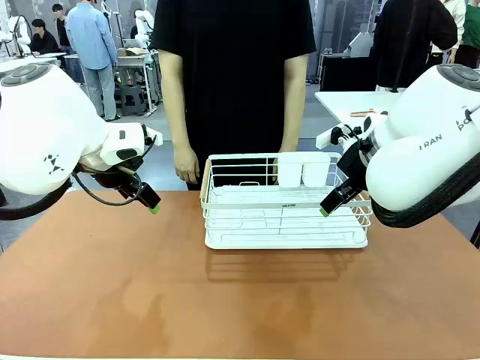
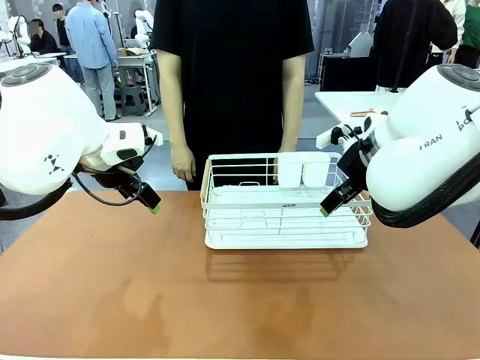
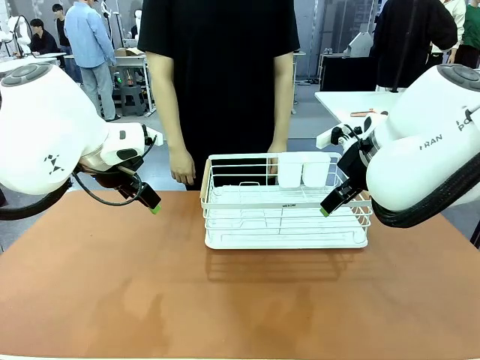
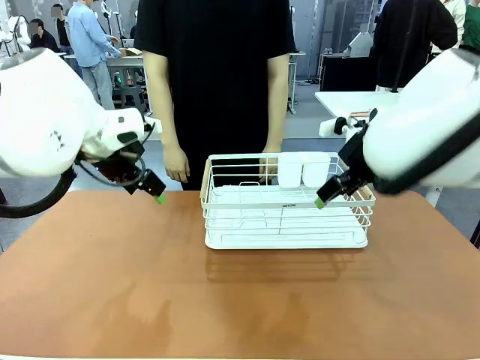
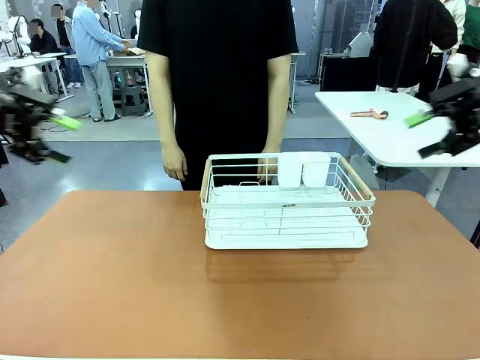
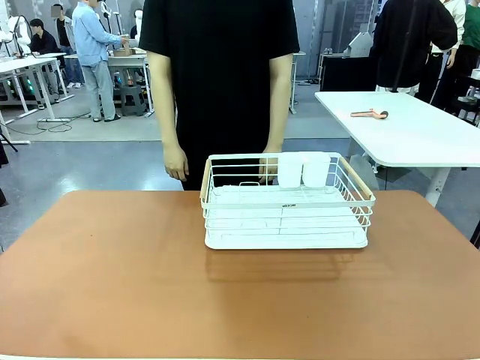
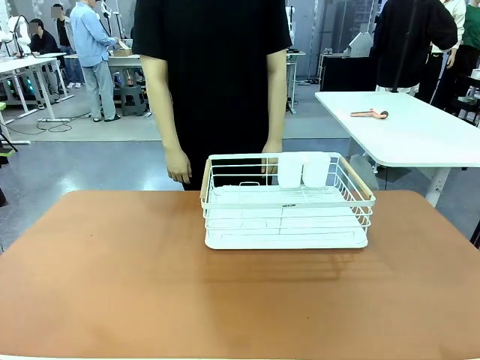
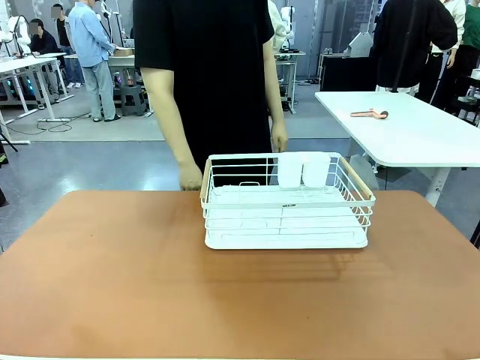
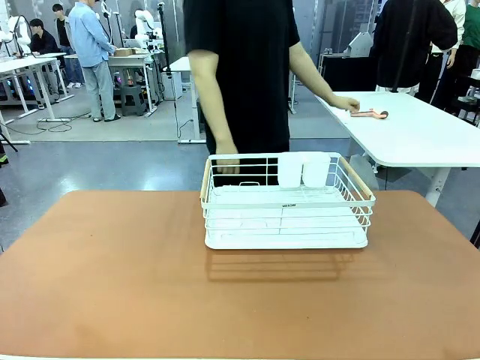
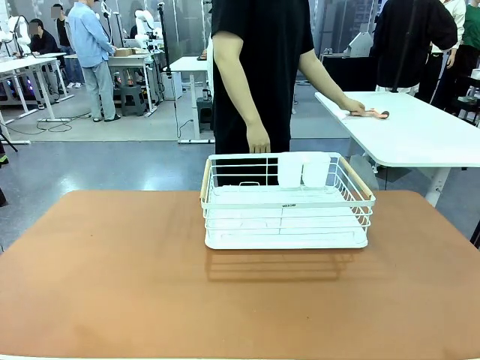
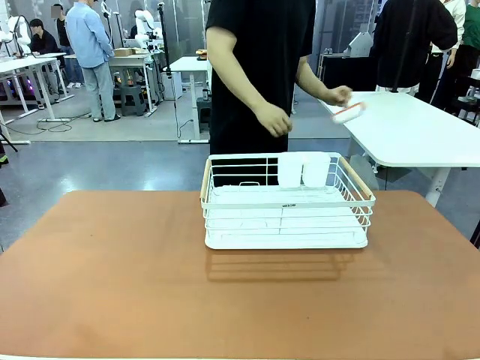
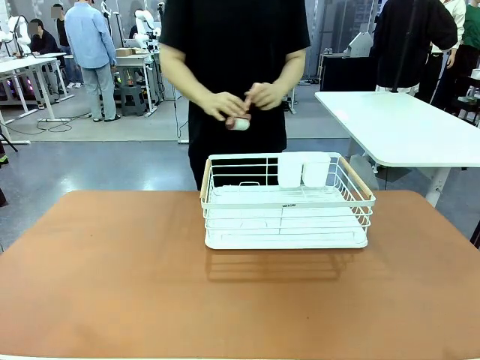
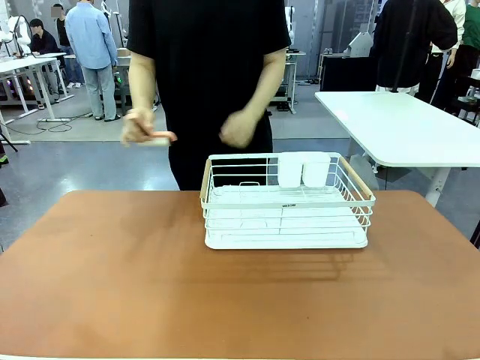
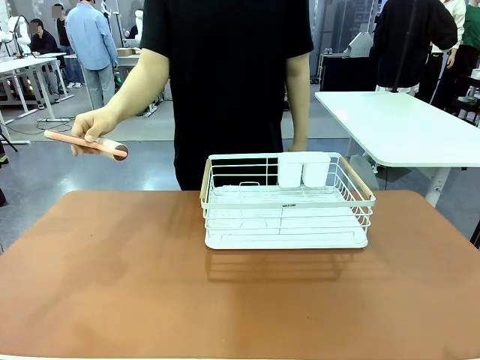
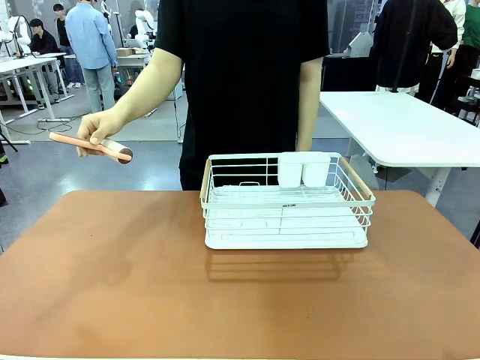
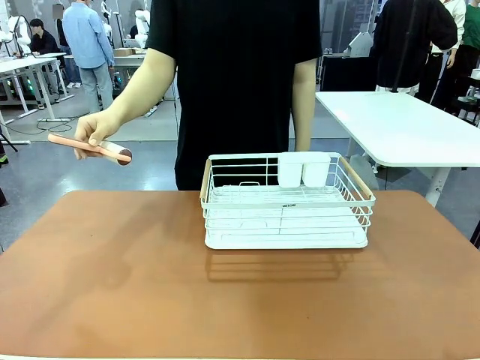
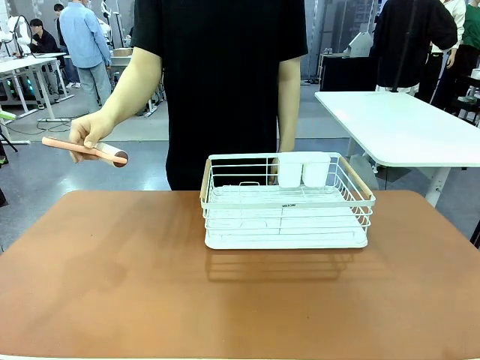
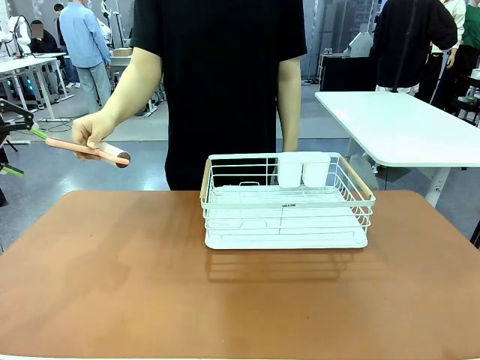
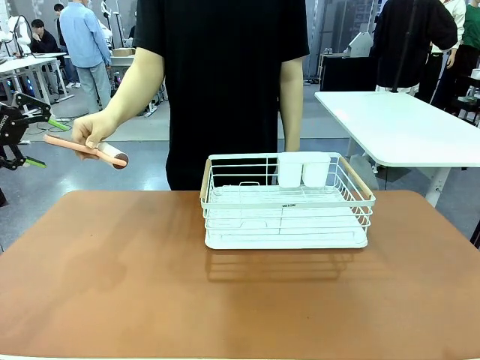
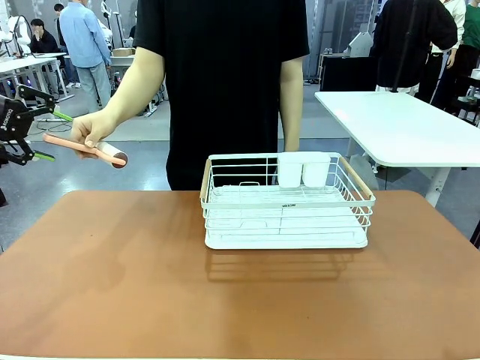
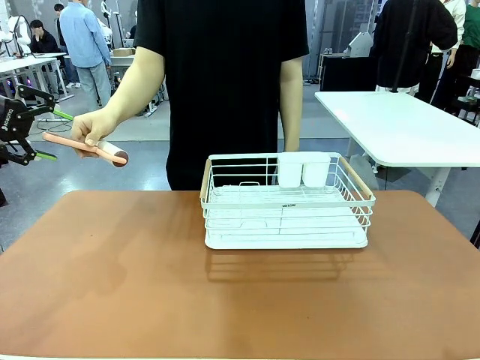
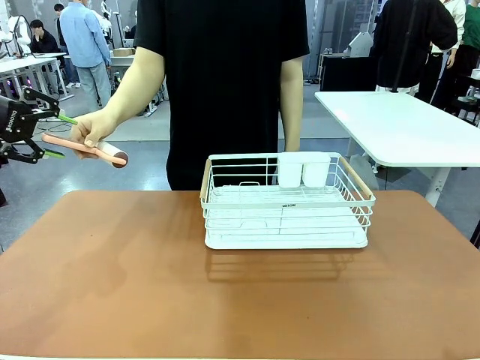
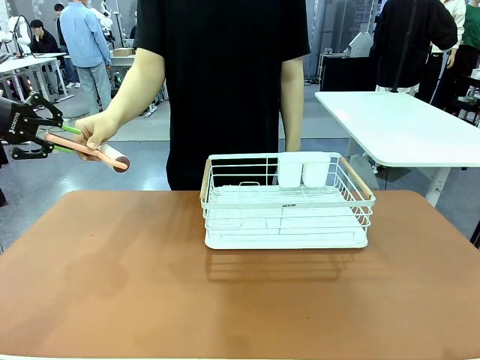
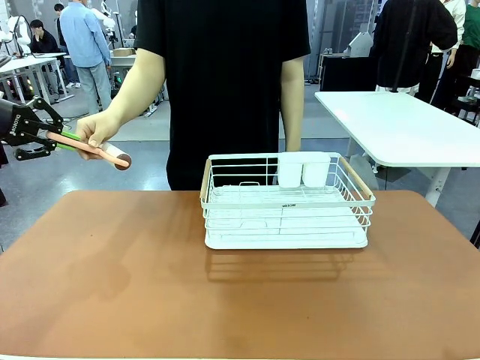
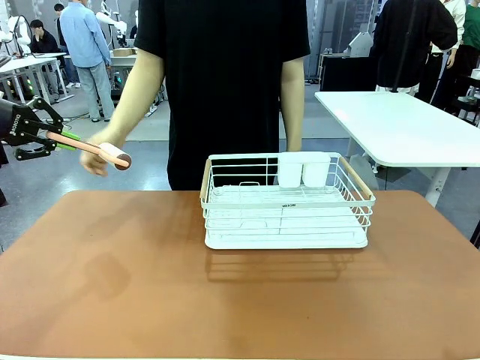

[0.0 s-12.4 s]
Task: Clean the table.
Robot: Pick up the Lint Roller when the human hands it over.
Person: Hand the Lint Roller to the robot so it can easily pick it up. Lift the Dish drying rack.

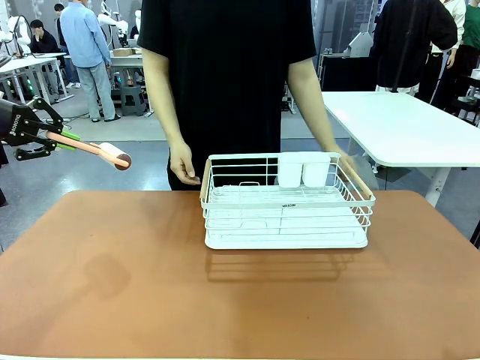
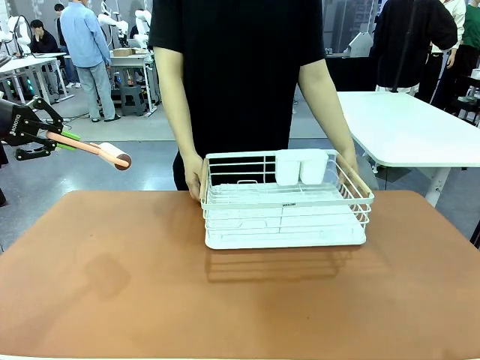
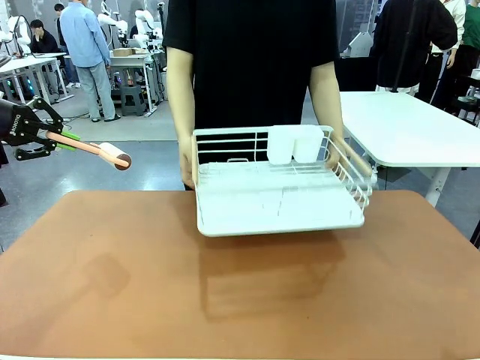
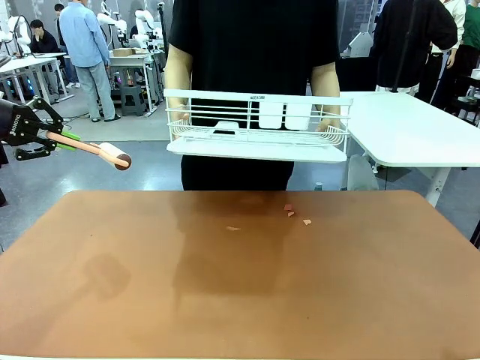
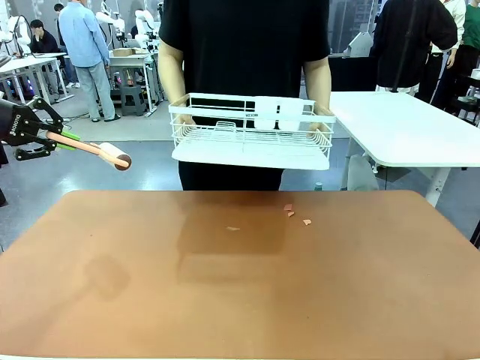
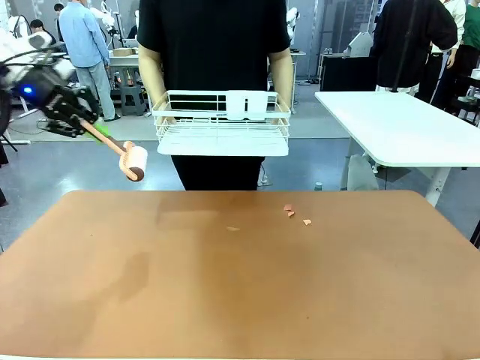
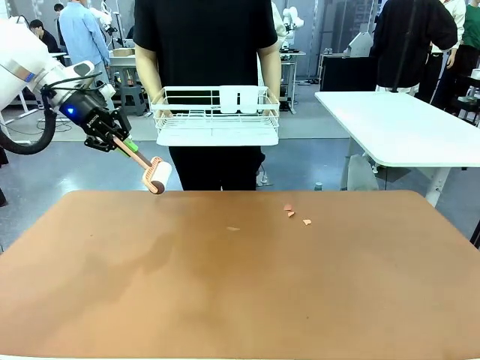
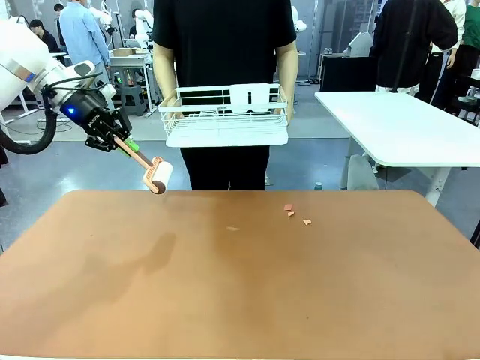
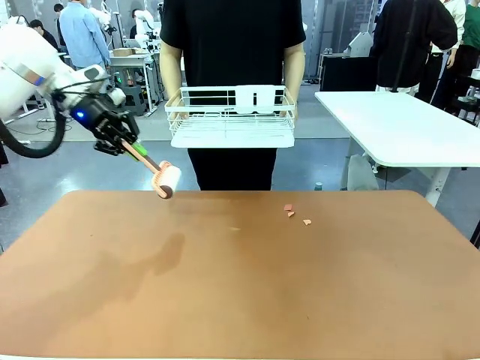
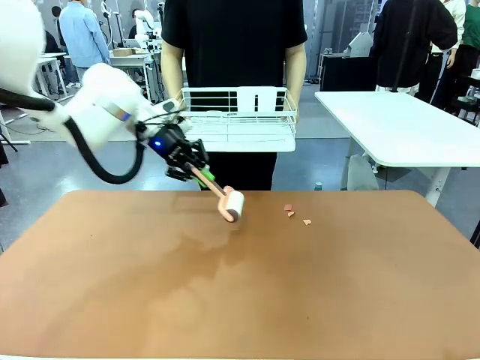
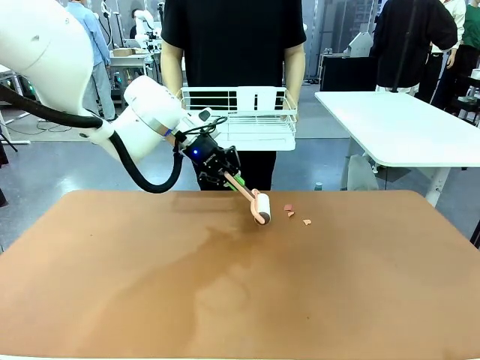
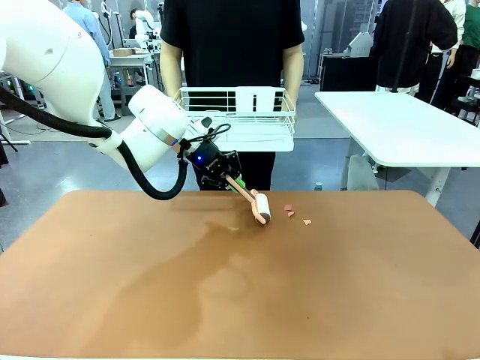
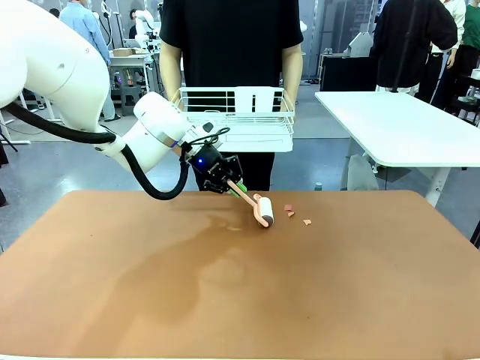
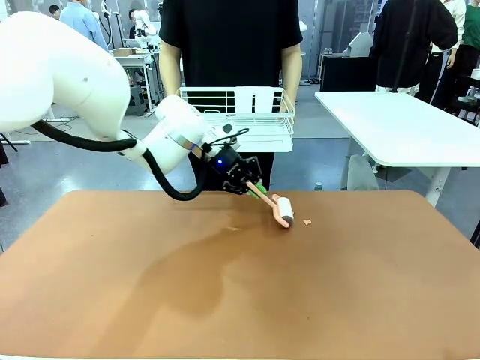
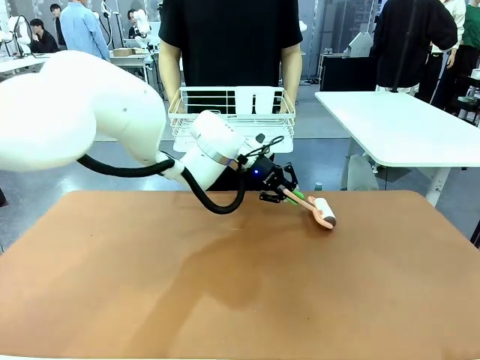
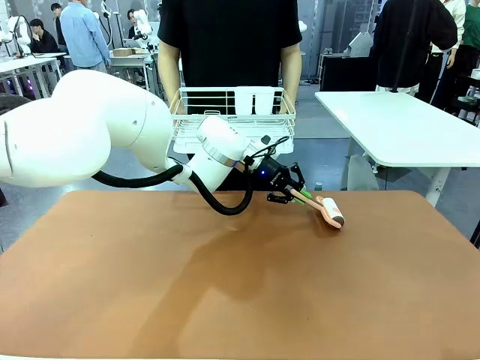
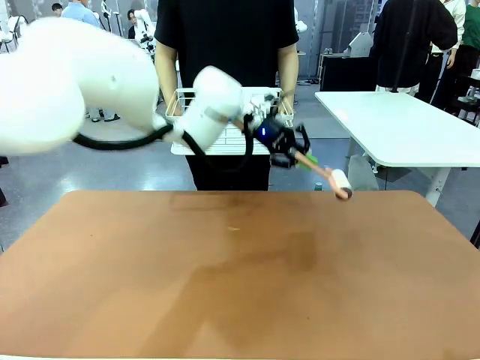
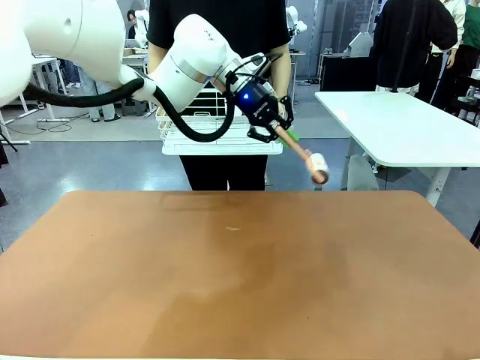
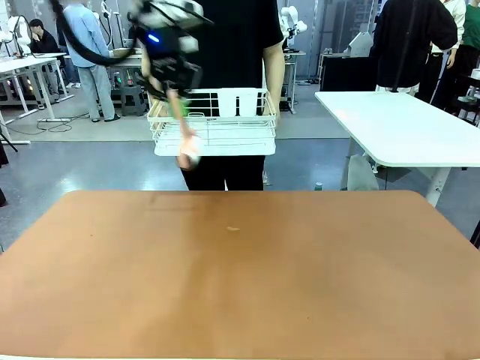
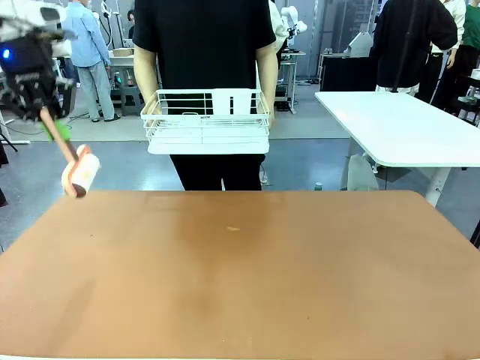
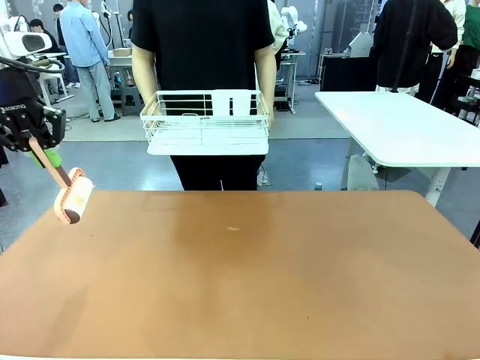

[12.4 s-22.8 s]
Robot: Clean the table with the Lint Roller when the human lifts the Dish drying rack.
Person: Place the Dish drying rack down when the robot finishes cleaning.

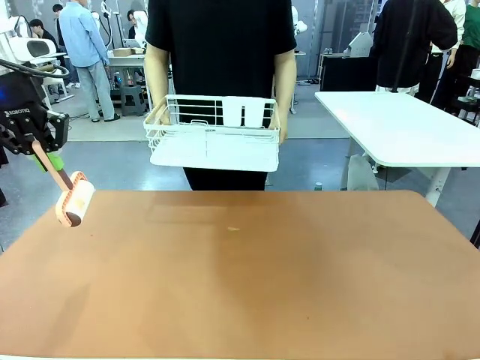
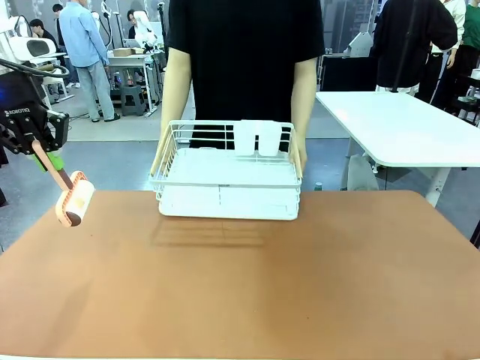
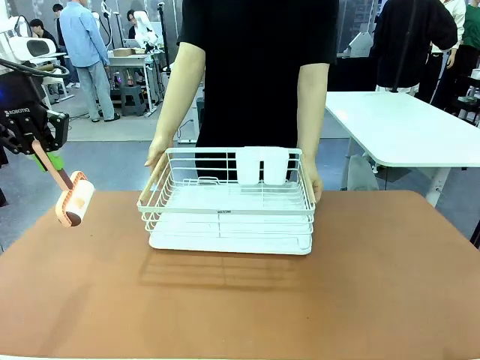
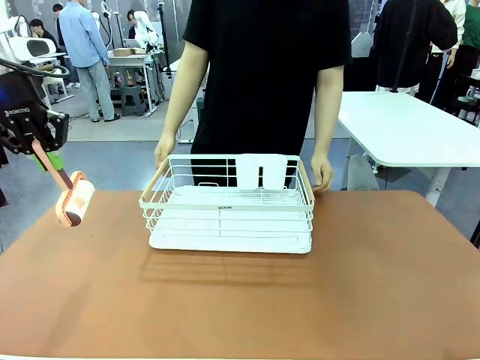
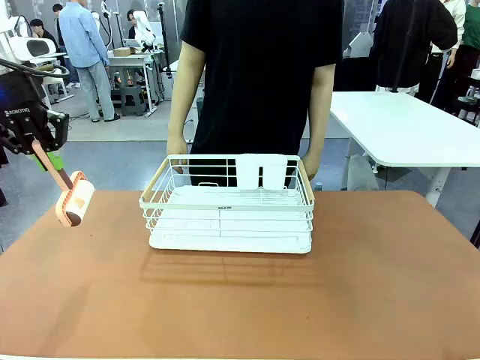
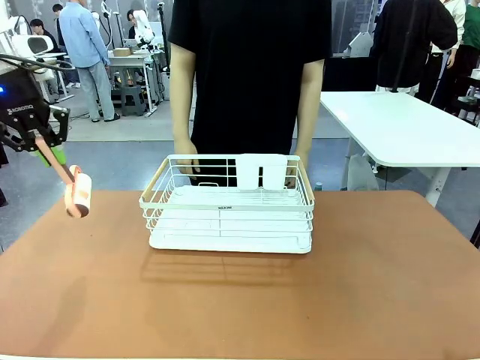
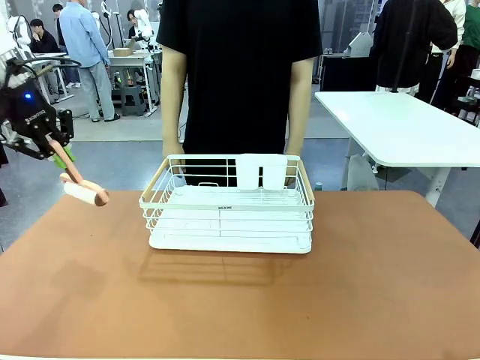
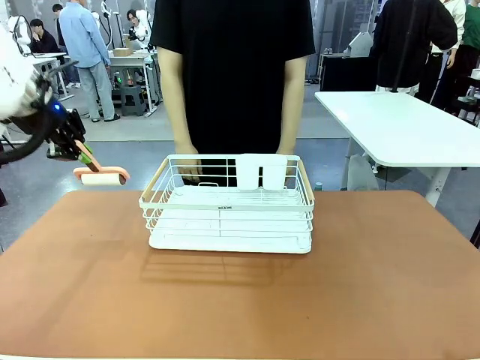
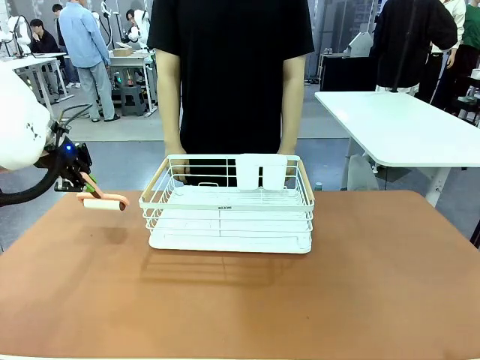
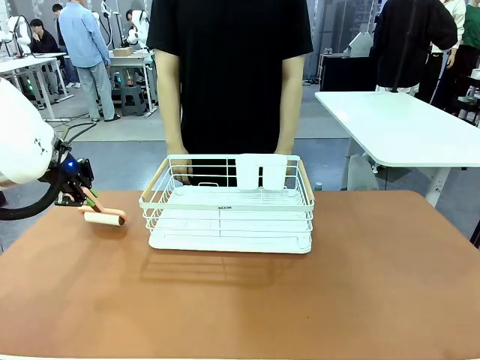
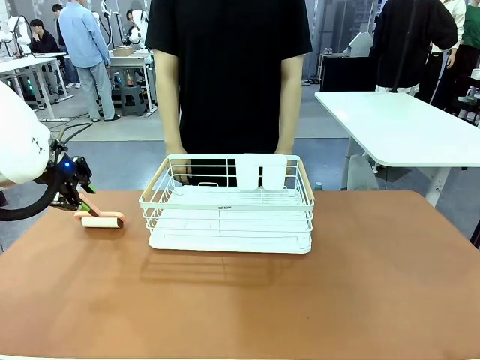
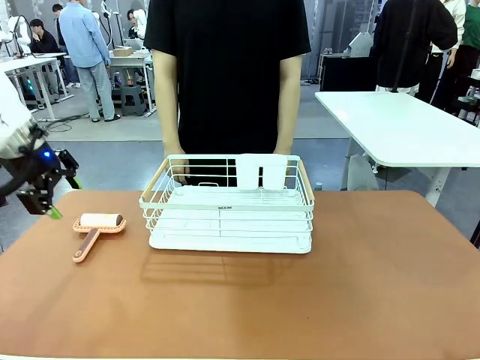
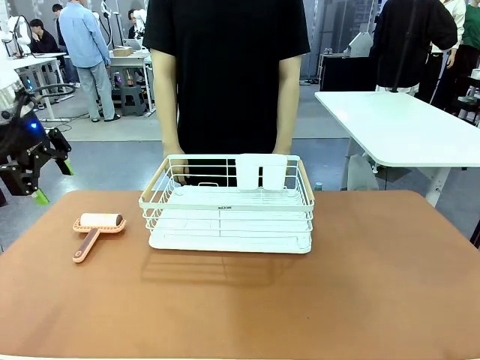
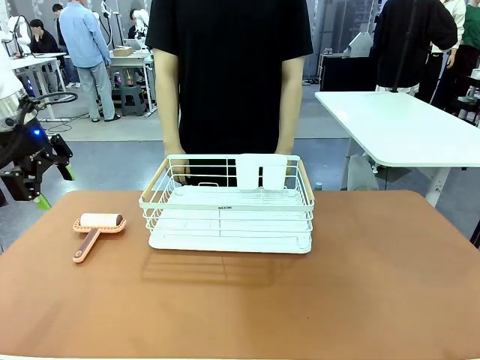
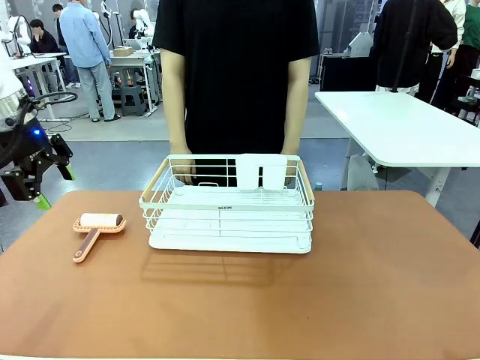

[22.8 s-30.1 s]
Robot: Place the Lint Roller down when the Dish drying rack is positioned in the middle of the table.
